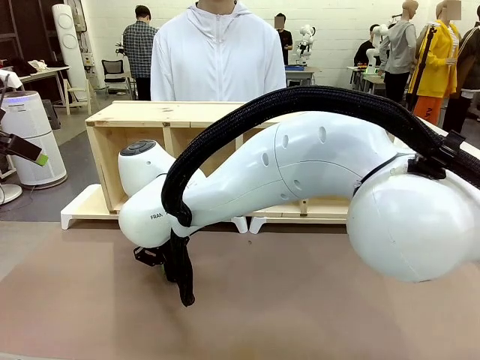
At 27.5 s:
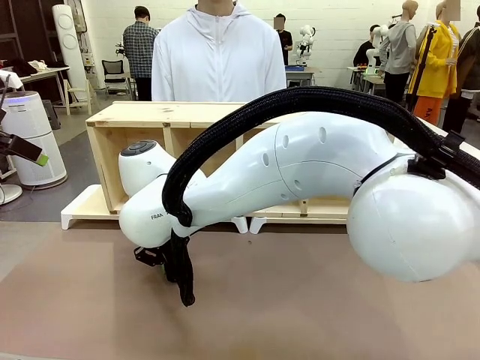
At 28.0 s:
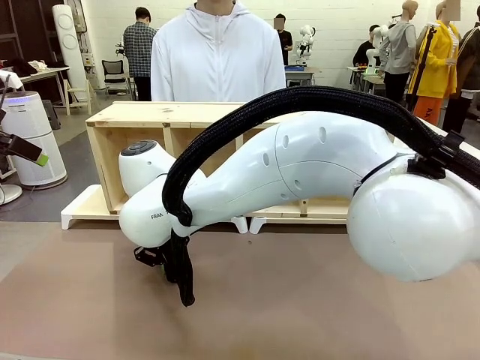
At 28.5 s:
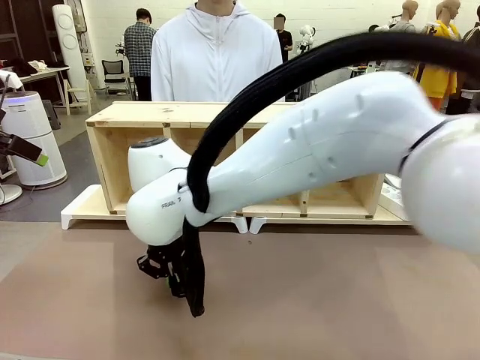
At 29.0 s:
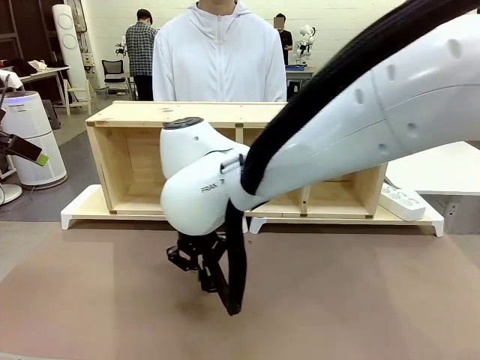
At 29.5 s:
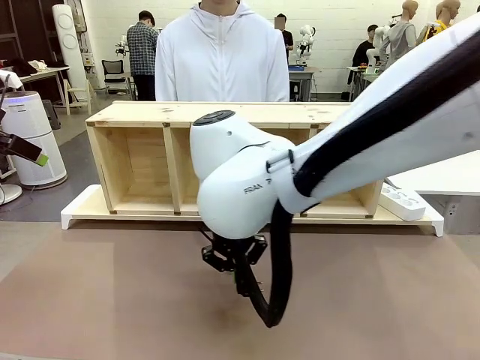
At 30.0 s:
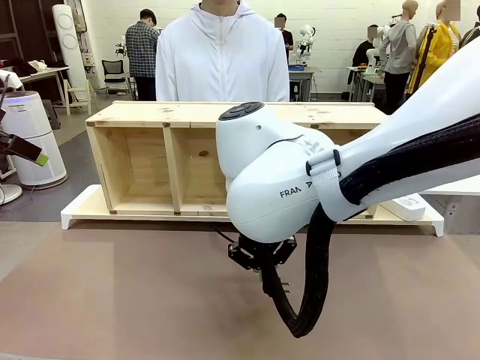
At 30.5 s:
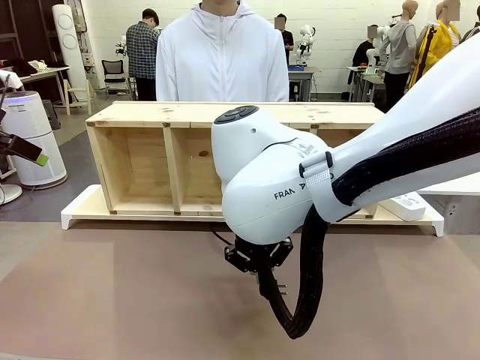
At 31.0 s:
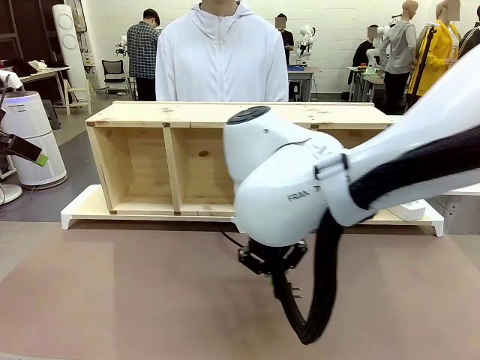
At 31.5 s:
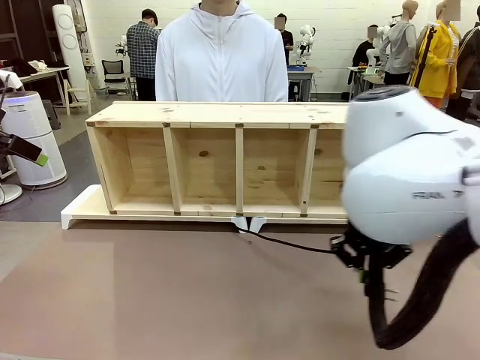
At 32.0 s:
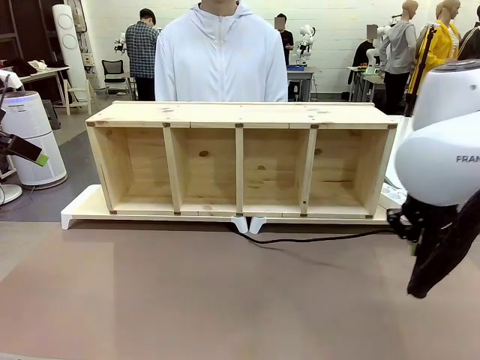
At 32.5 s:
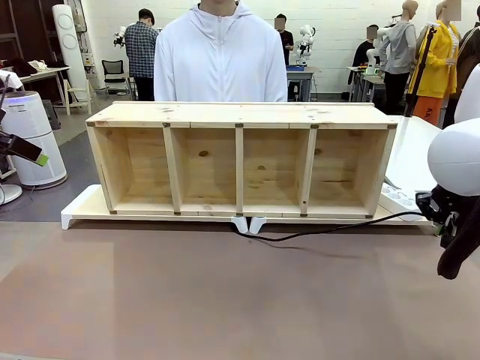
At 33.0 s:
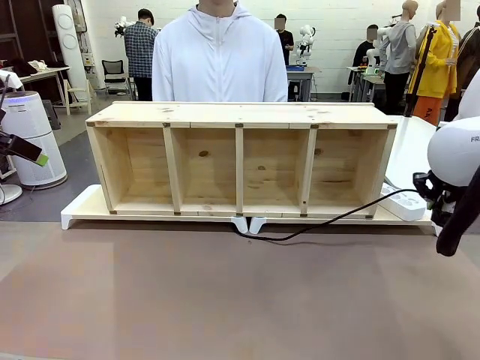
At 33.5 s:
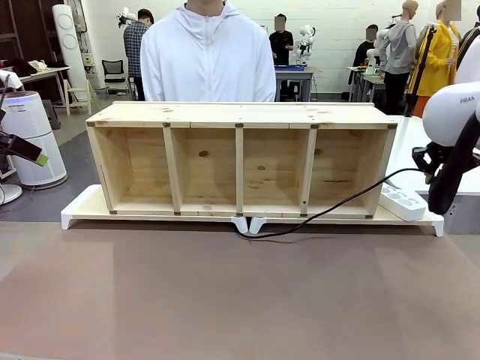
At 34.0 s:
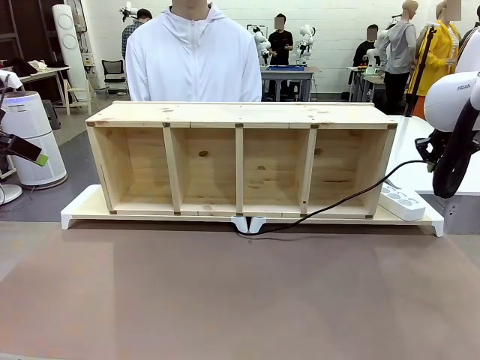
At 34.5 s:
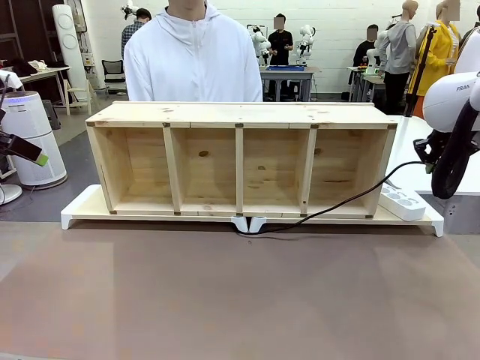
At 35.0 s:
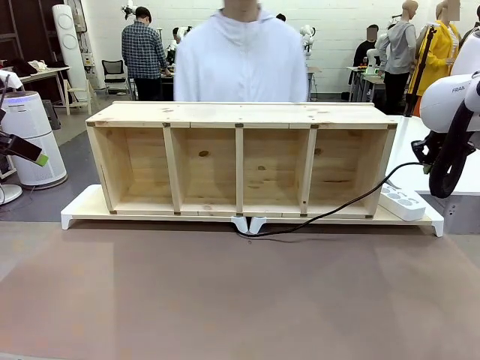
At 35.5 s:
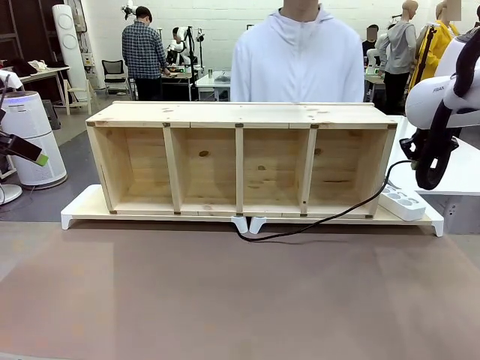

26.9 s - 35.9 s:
Task: Perform cable management.
Robot: Pull the grasped Power Cable to the location of the Power Strip.

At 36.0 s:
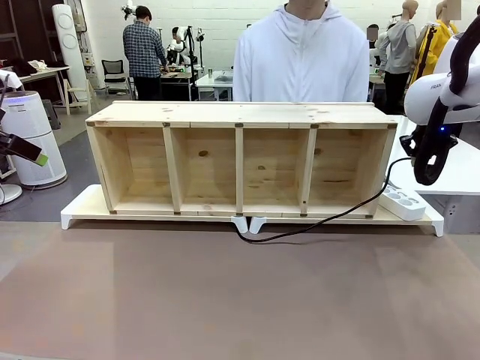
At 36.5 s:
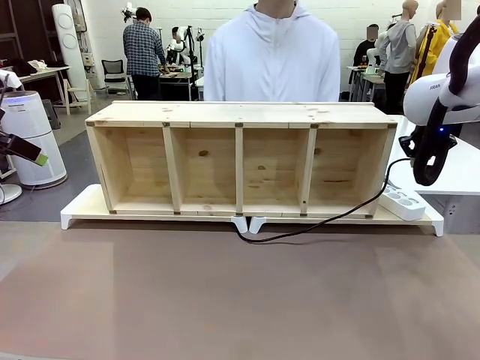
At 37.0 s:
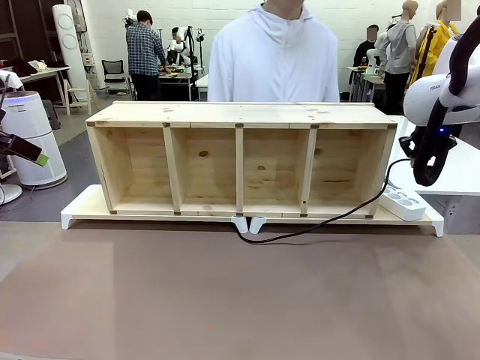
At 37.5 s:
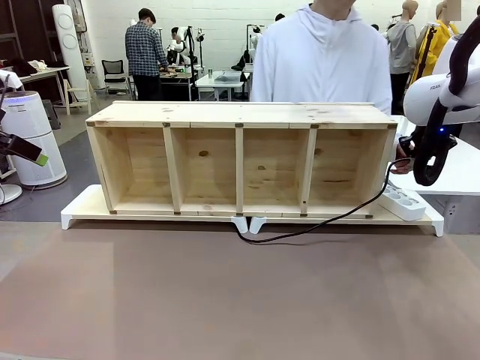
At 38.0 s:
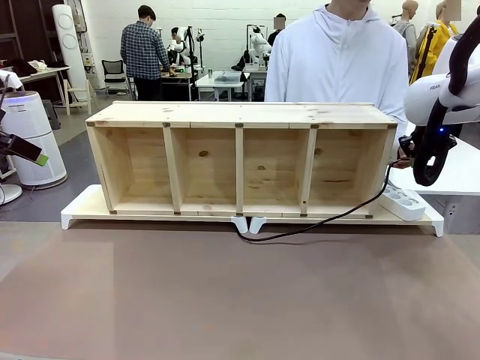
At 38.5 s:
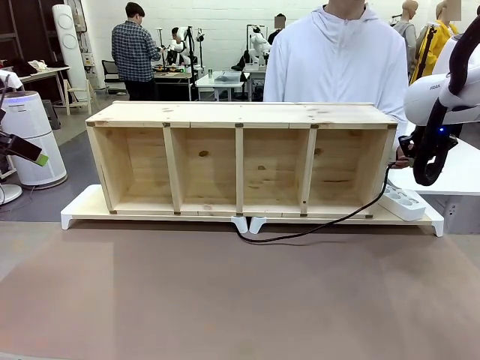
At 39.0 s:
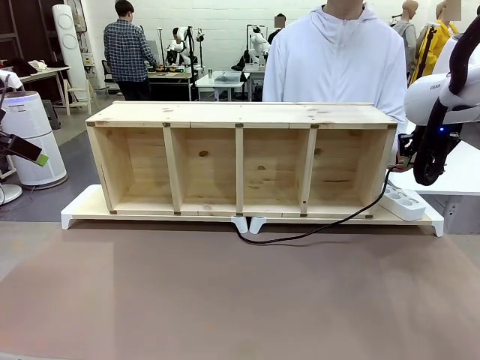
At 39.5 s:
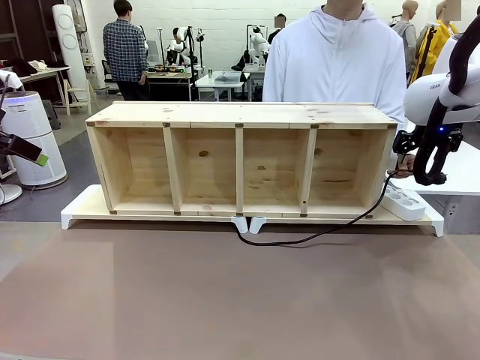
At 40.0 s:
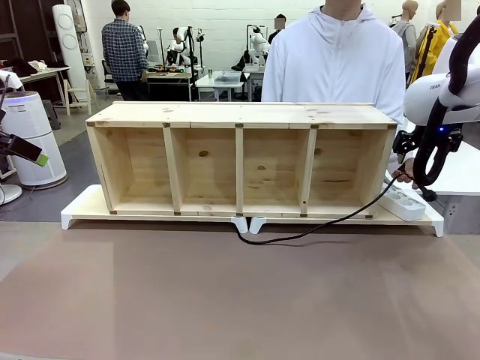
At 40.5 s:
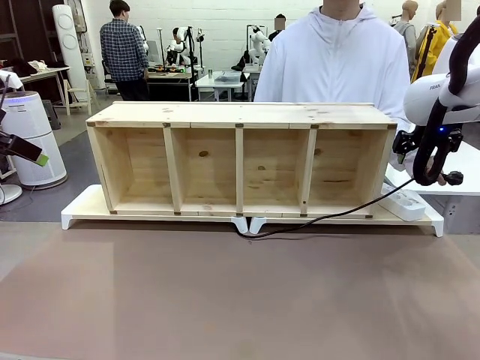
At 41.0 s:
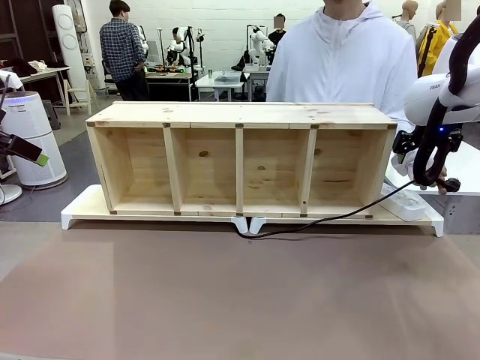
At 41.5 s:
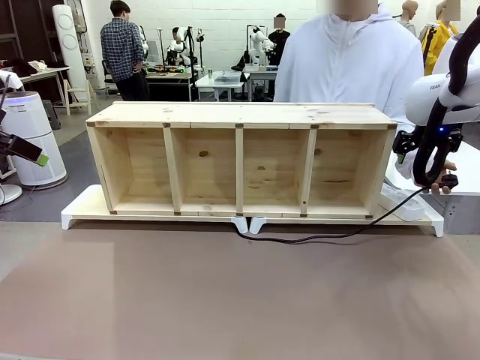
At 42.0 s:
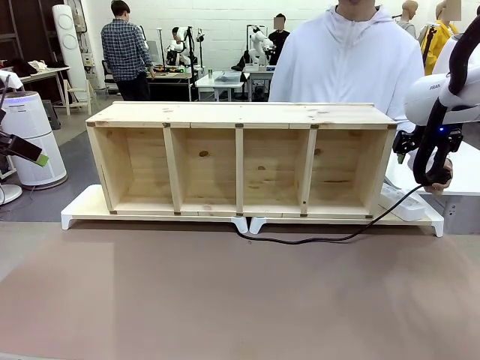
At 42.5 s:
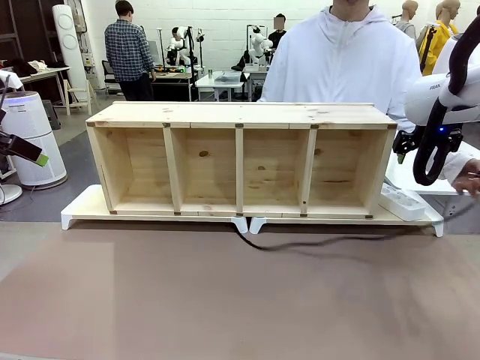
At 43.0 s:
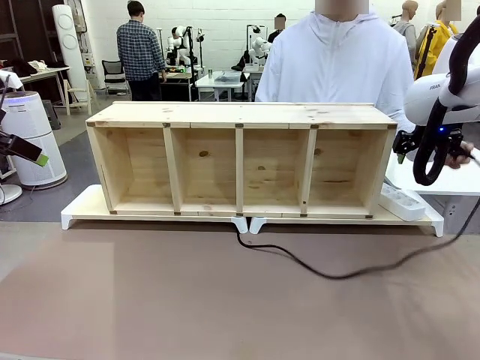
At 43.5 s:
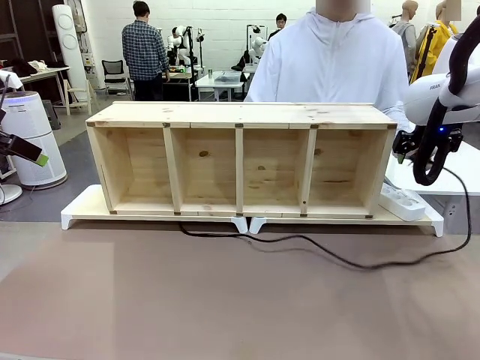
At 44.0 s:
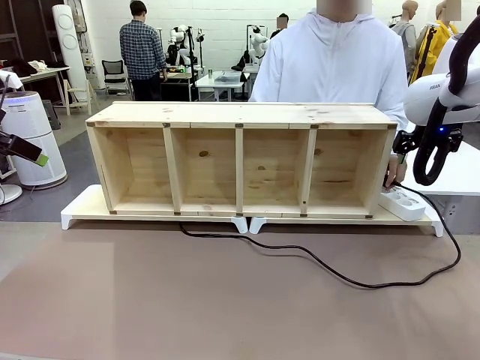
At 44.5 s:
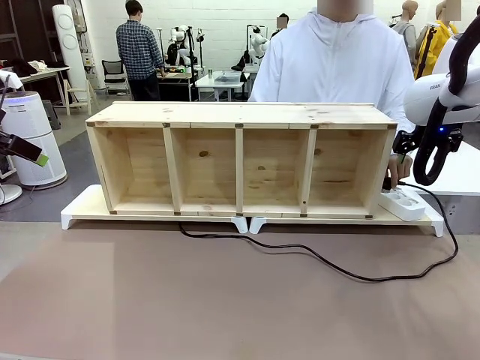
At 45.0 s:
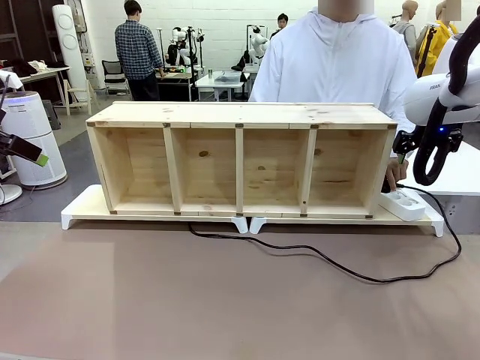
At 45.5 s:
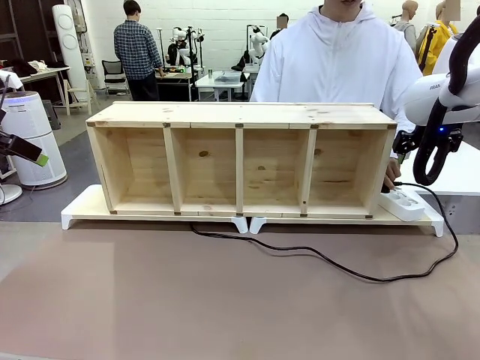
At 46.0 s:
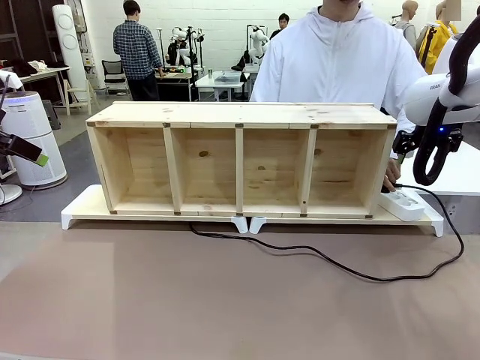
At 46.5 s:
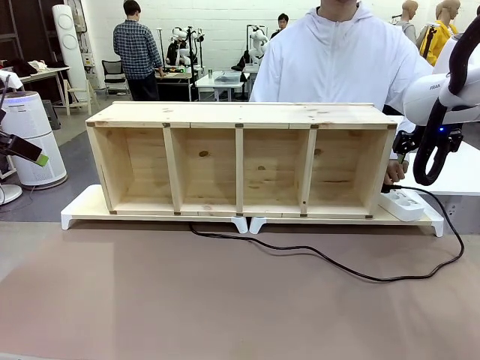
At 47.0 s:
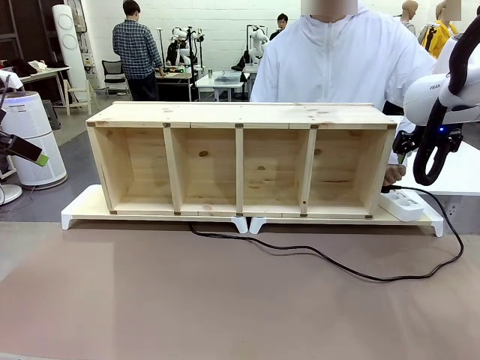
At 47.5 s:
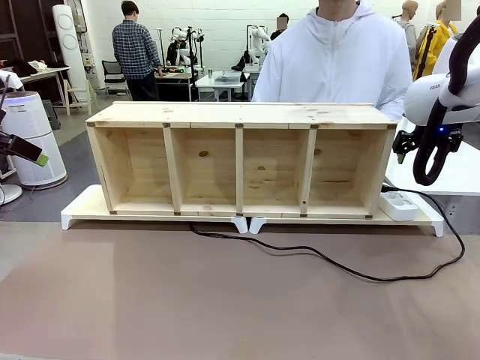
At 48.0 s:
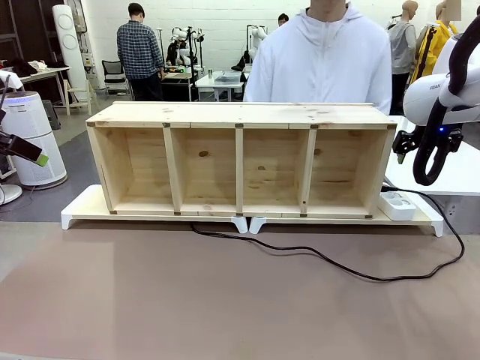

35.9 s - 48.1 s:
Robot: Release the Power Cable when the human grasps it.
Person: Plug the Power Cable into the Power Strip.
